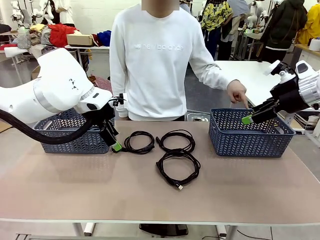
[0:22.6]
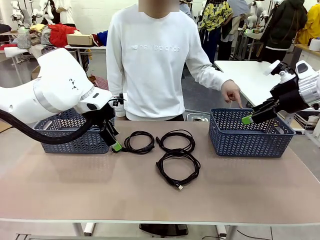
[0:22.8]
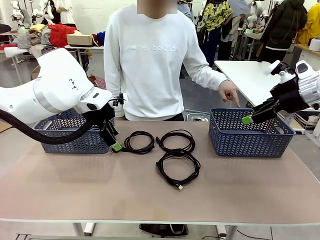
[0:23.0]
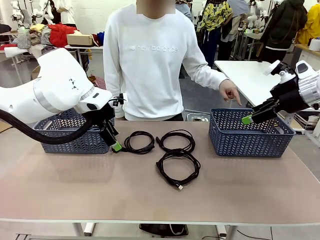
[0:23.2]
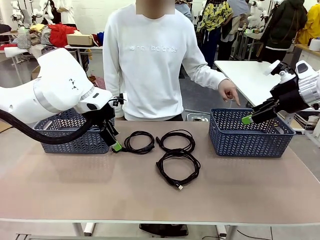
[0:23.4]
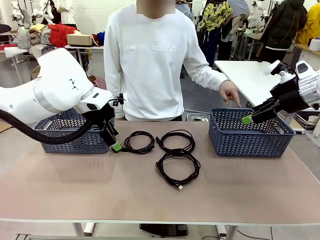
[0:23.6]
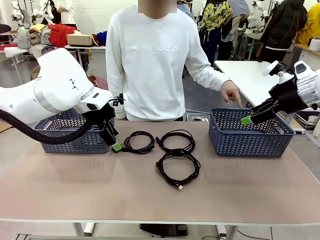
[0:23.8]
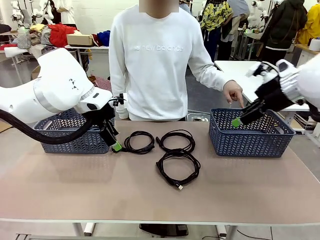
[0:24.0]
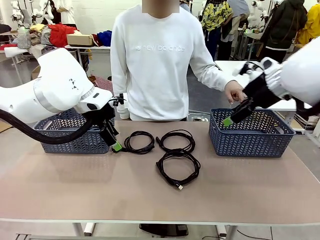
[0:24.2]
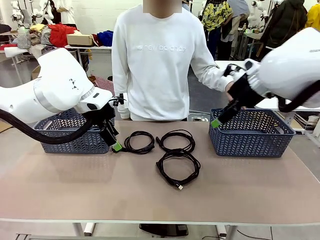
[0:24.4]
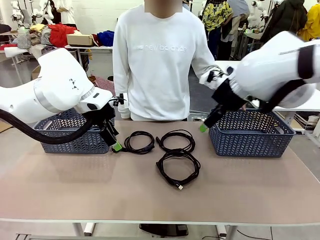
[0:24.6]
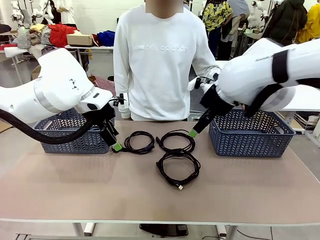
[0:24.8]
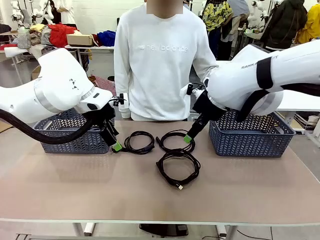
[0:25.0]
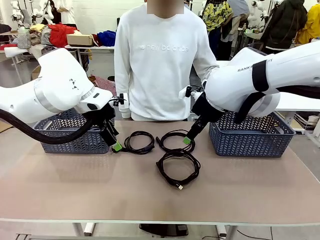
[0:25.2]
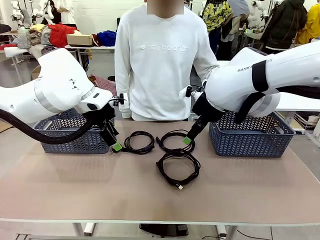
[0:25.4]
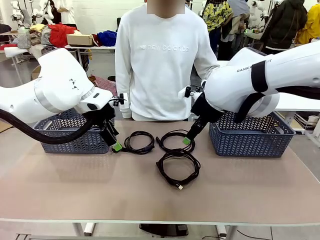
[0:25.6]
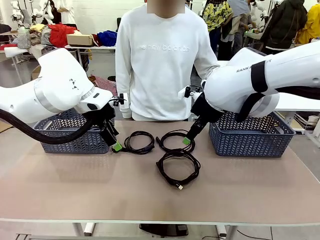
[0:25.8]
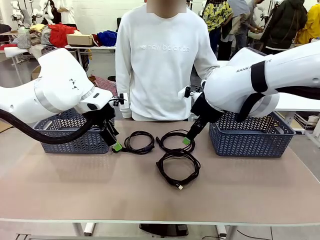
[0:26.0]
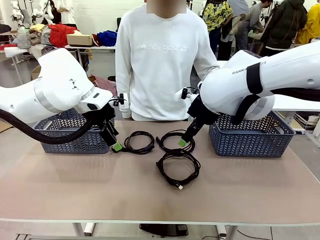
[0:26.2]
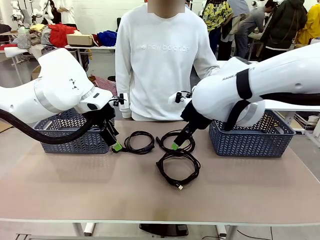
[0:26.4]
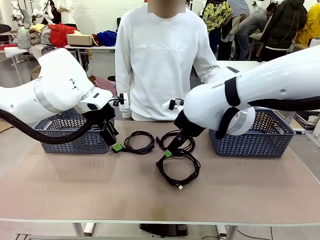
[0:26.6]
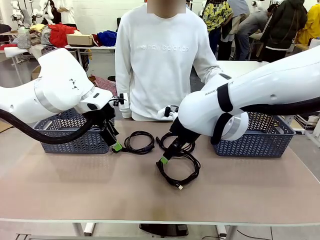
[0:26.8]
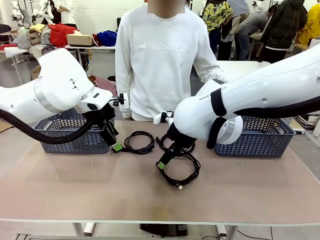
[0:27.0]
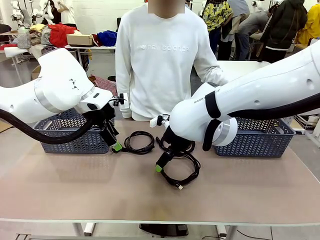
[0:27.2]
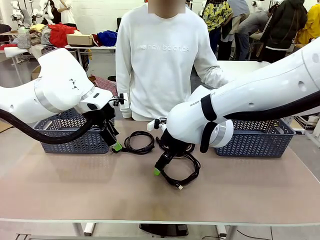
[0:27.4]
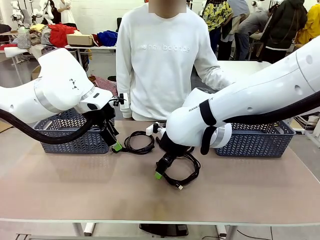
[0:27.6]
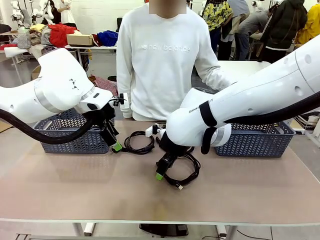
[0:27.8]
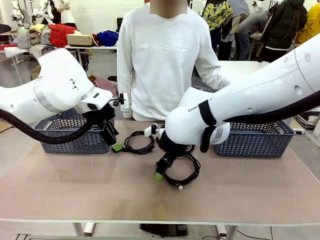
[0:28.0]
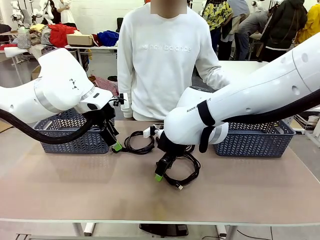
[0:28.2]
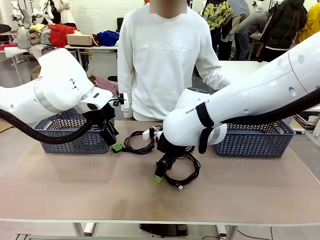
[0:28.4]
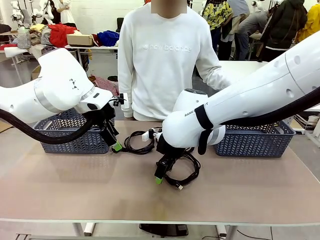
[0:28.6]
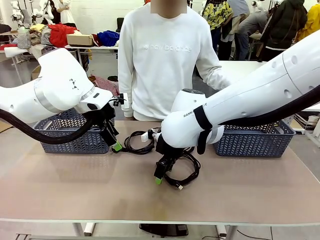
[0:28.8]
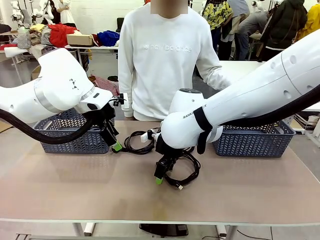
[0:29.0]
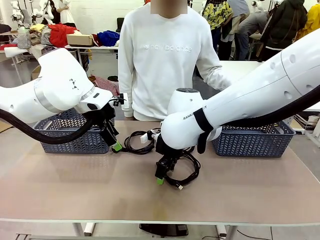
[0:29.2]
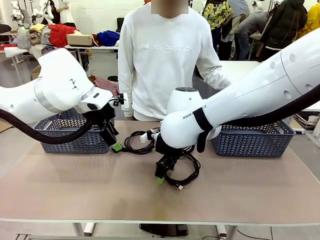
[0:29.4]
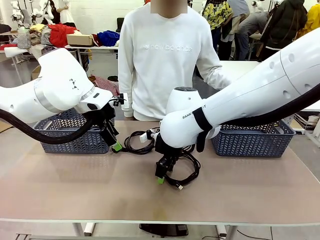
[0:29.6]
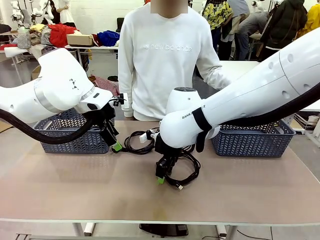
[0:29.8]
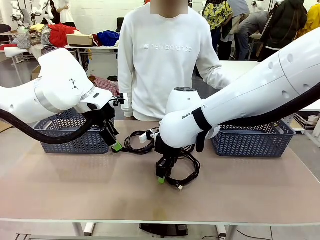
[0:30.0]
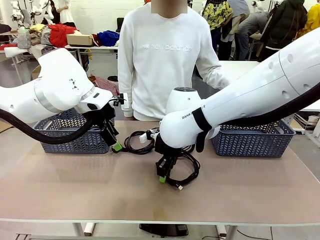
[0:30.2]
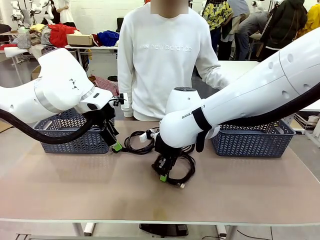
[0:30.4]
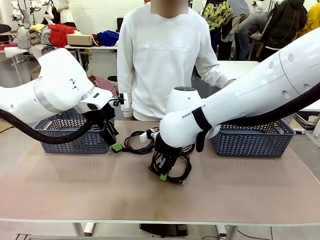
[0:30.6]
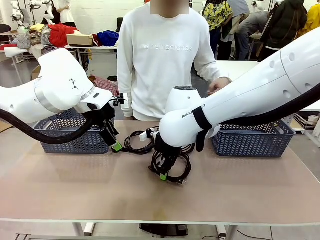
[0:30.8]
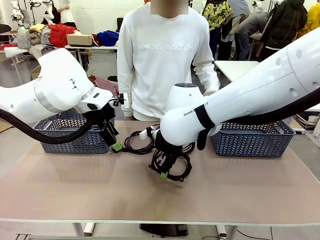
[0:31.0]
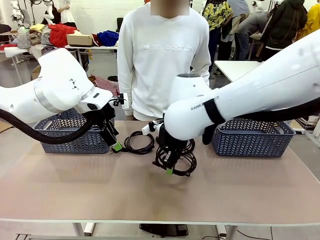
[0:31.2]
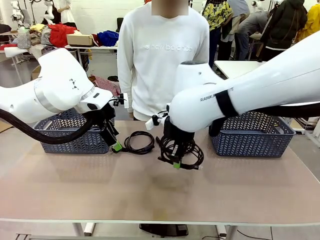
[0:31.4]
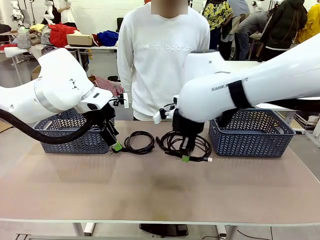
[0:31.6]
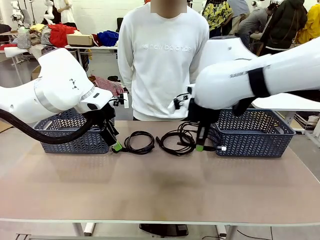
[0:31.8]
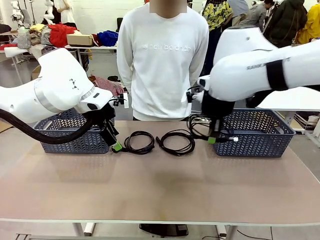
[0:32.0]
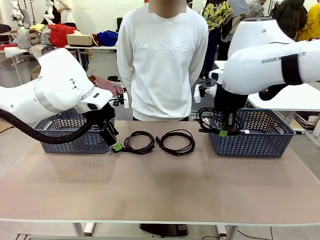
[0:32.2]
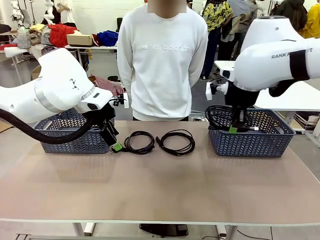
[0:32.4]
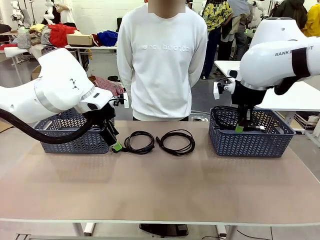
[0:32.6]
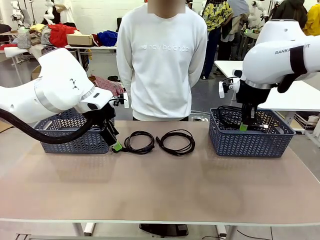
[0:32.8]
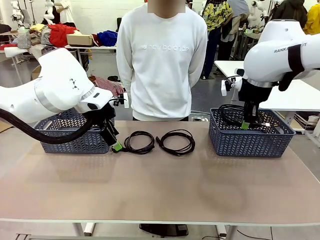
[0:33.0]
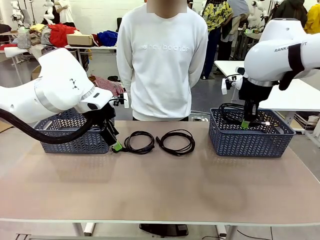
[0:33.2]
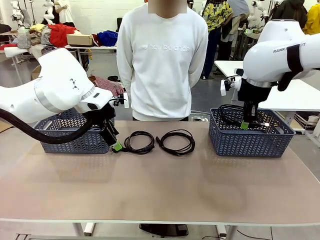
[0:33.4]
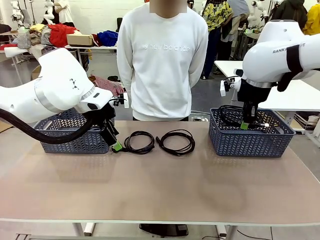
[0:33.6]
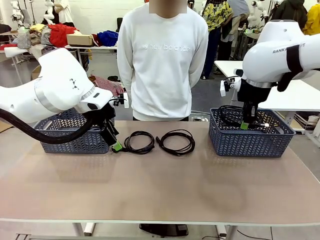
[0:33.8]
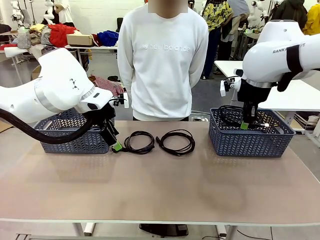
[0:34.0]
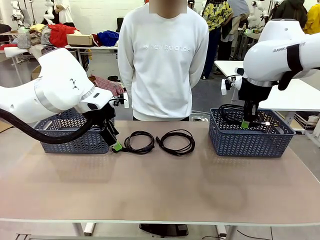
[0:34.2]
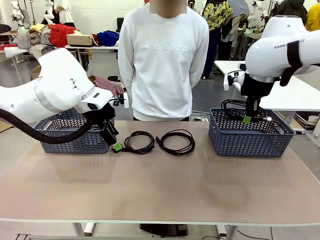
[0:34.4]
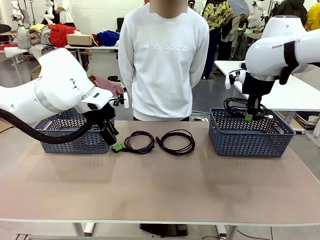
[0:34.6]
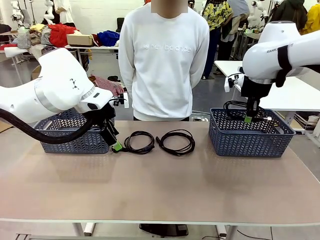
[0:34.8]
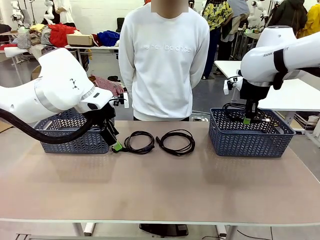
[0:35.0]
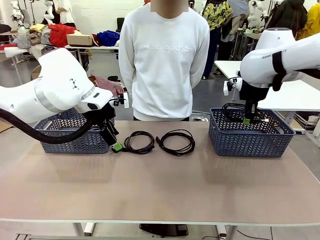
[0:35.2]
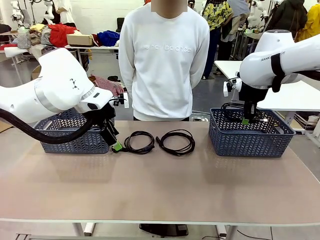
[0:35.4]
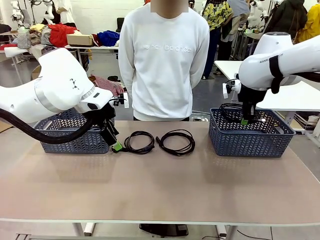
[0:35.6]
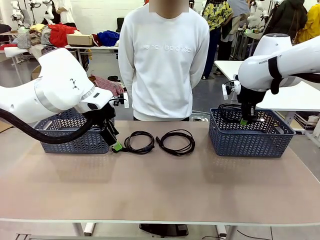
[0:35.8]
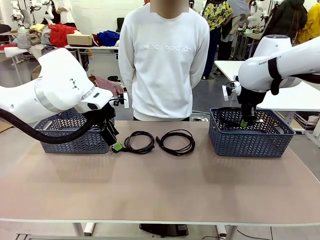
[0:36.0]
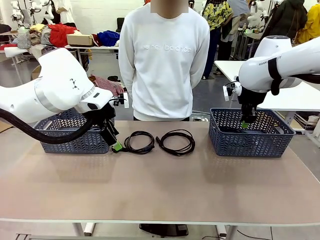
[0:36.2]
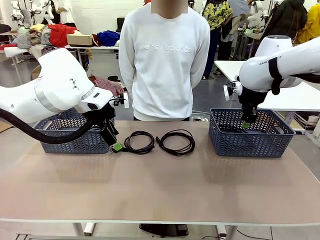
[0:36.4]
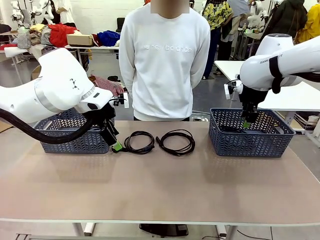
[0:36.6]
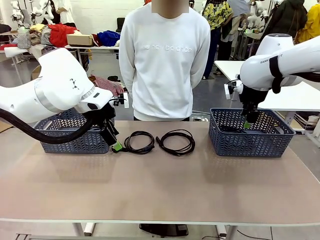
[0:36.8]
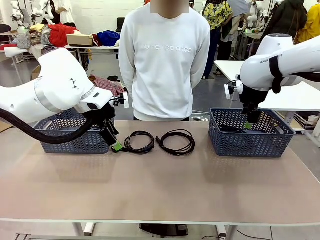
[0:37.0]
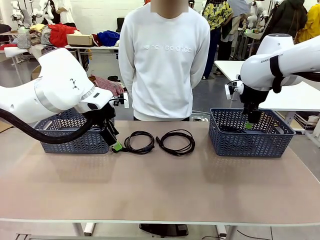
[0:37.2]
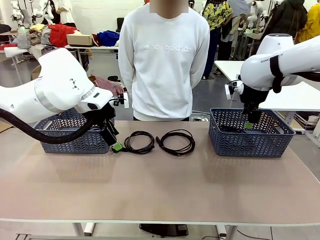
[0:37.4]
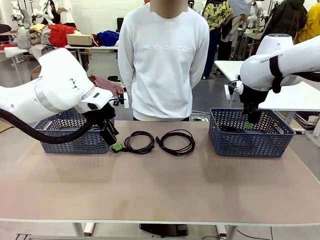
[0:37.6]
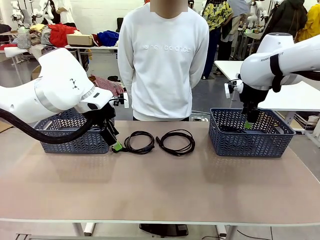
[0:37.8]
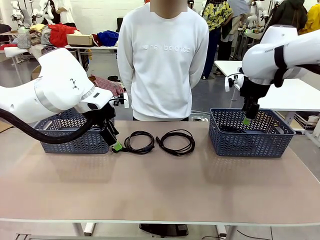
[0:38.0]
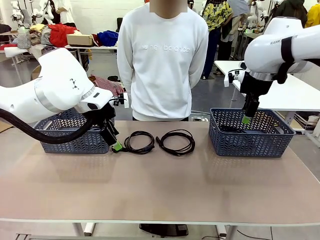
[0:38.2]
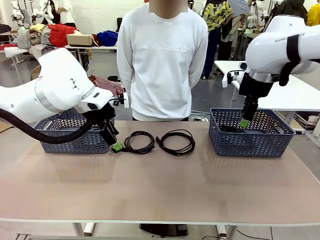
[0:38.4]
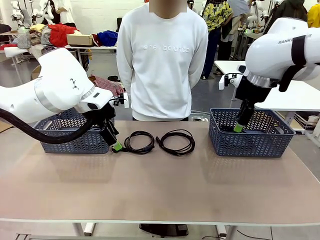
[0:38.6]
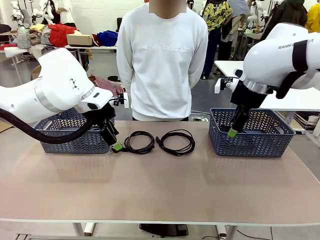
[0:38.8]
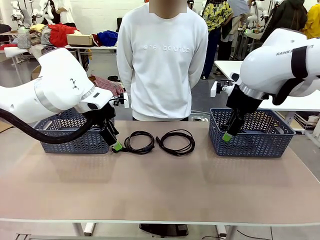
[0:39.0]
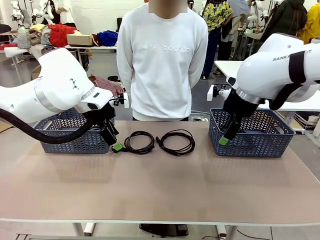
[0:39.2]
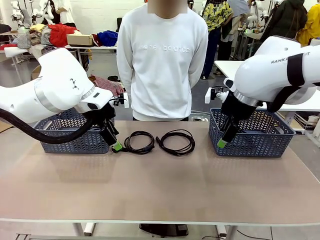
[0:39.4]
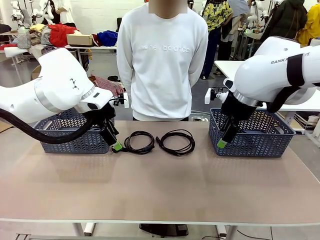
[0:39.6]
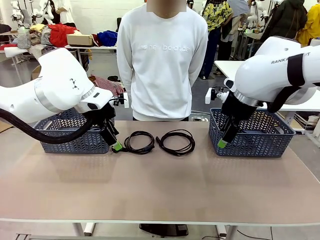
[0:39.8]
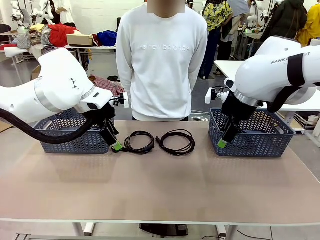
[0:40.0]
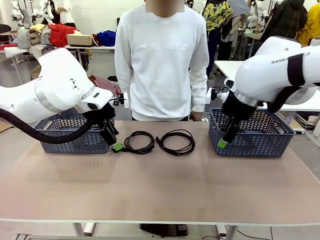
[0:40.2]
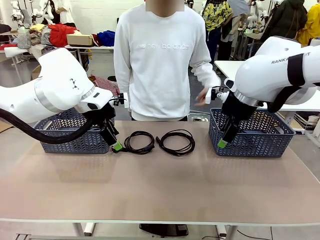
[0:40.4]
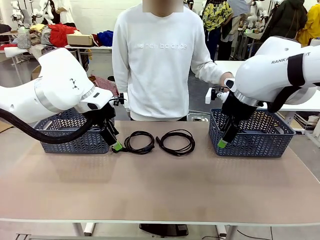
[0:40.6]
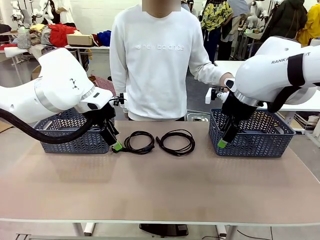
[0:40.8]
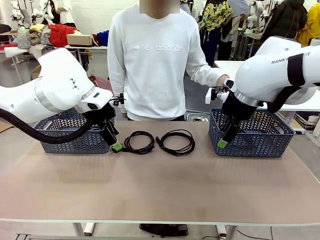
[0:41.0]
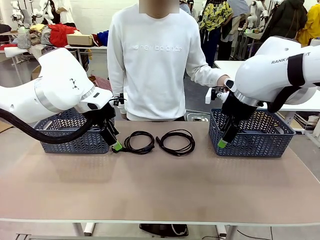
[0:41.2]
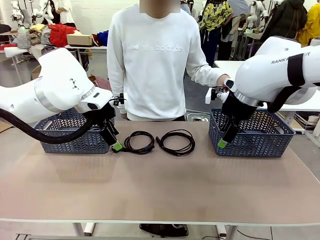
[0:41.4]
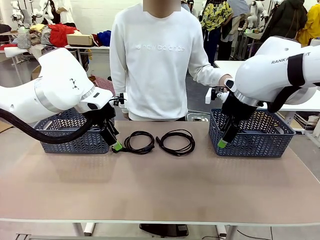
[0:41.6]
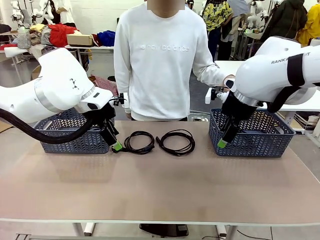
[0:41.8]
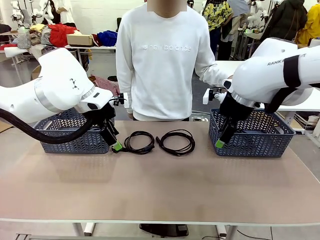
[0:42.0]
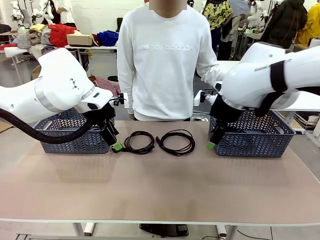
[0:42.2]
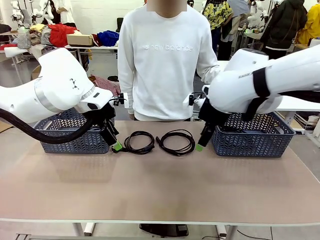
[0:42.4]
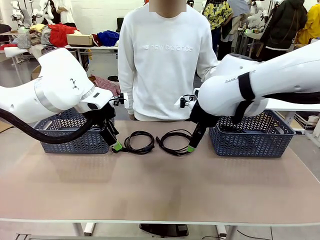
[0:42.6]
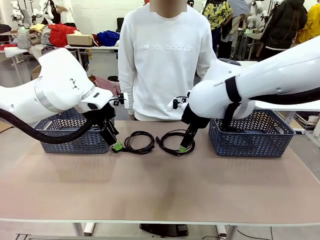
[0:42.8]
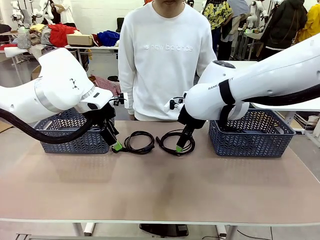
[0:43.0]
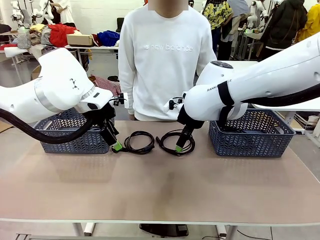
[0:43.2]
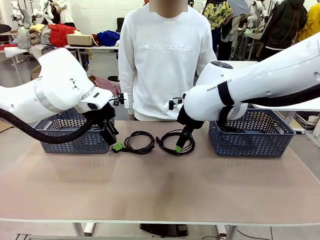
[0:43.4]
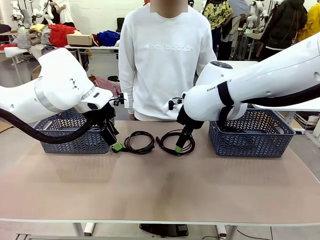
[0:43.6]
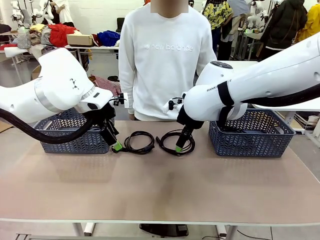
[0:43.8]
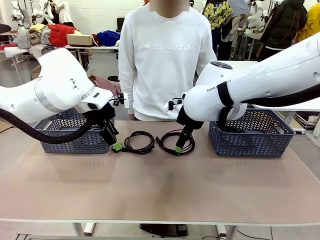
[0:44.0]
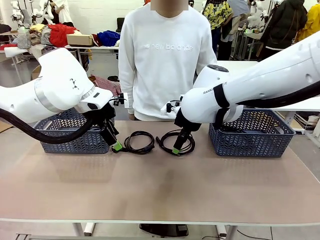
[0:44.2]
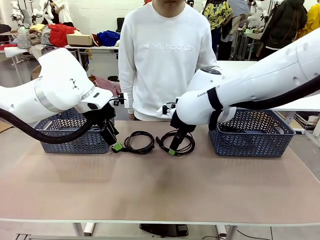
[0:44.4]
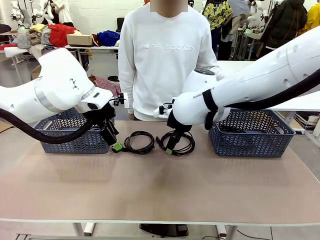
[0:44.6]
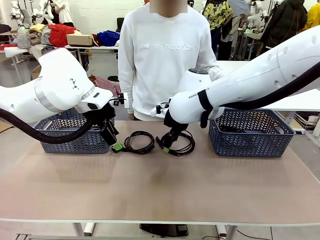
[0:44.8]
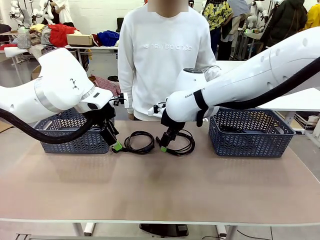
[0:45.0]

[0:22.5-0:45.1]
Task: Organize the cables according to human instructions.
Robot: Pick up a bundle of cables and place it in the basket indicated by the human.
